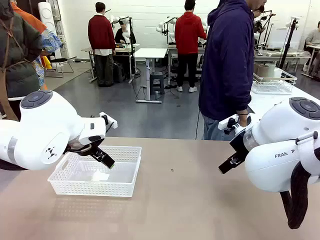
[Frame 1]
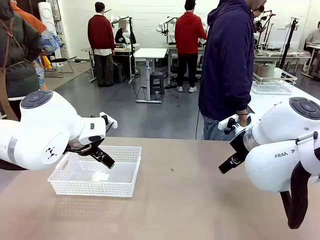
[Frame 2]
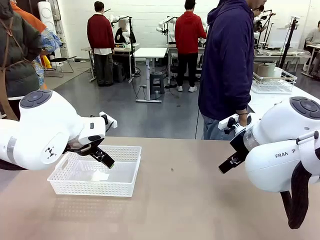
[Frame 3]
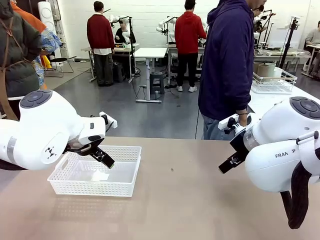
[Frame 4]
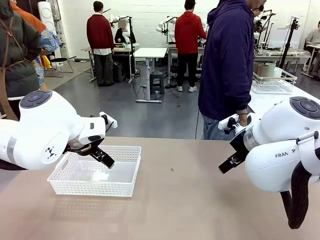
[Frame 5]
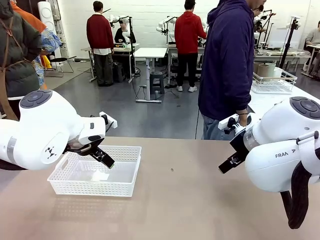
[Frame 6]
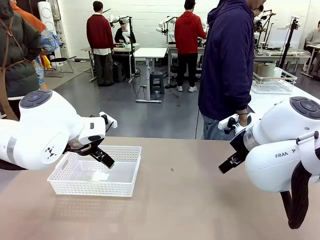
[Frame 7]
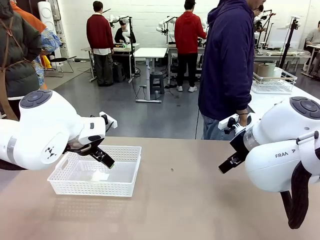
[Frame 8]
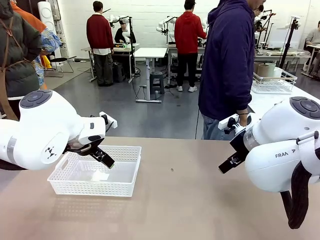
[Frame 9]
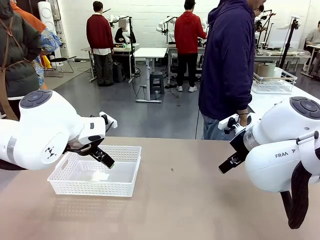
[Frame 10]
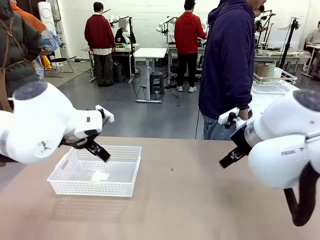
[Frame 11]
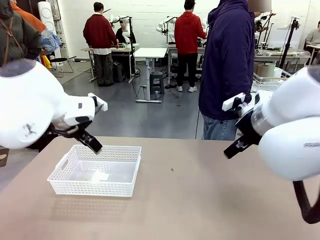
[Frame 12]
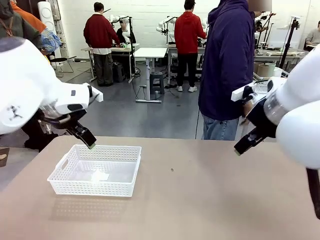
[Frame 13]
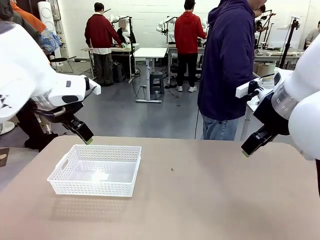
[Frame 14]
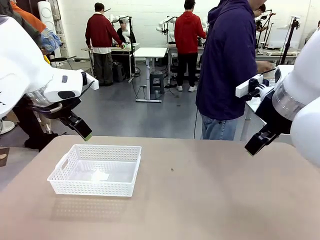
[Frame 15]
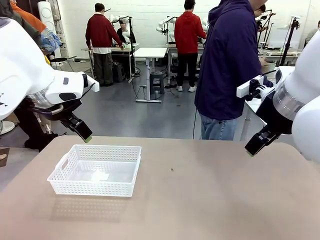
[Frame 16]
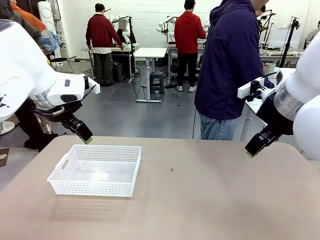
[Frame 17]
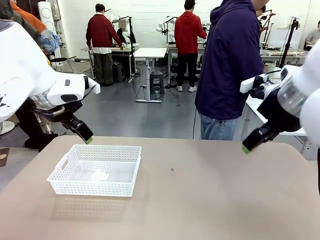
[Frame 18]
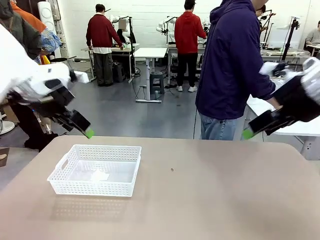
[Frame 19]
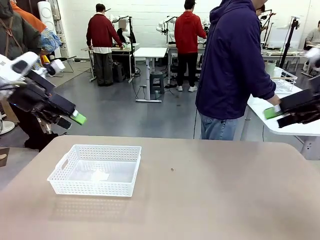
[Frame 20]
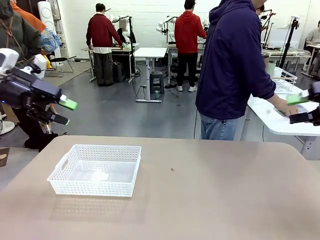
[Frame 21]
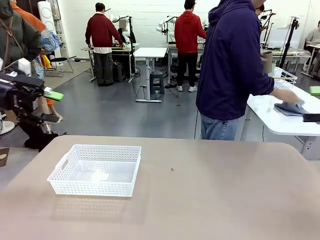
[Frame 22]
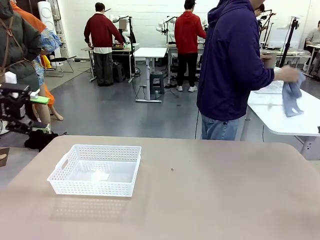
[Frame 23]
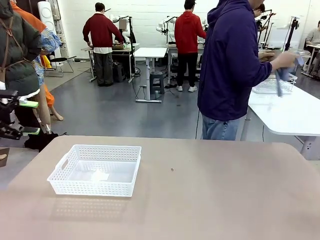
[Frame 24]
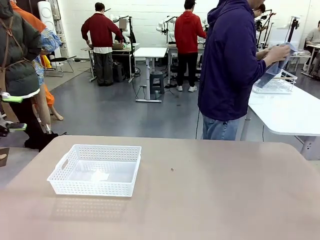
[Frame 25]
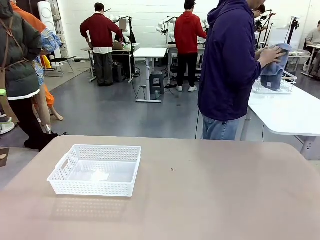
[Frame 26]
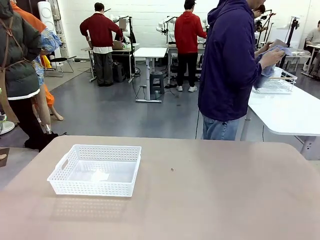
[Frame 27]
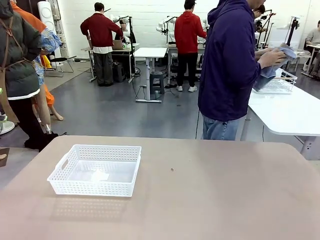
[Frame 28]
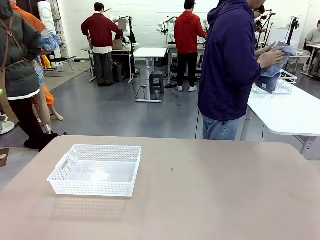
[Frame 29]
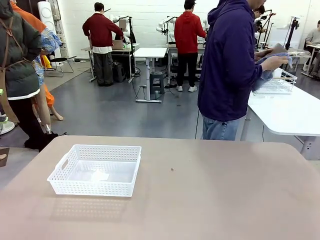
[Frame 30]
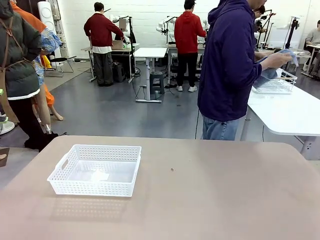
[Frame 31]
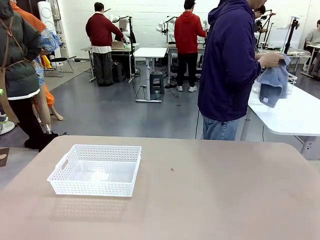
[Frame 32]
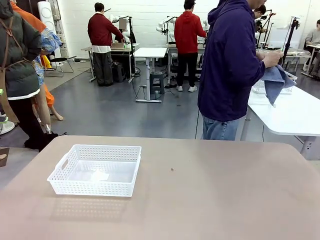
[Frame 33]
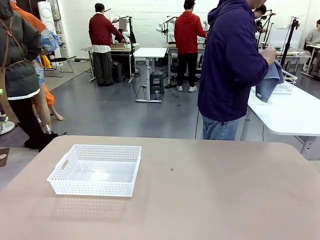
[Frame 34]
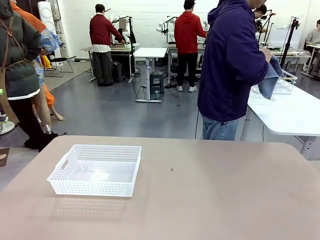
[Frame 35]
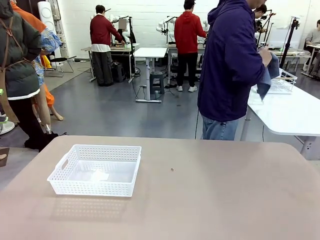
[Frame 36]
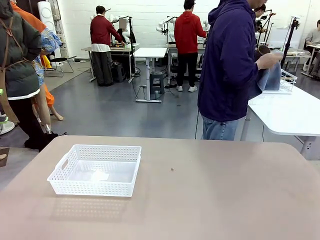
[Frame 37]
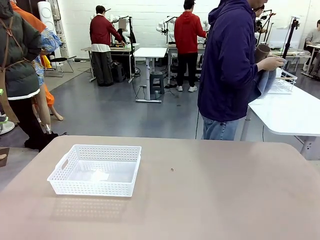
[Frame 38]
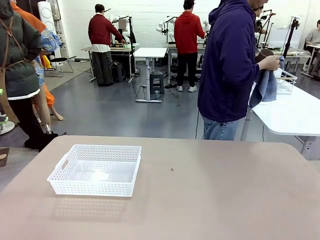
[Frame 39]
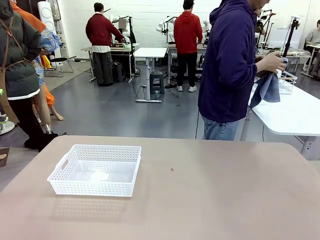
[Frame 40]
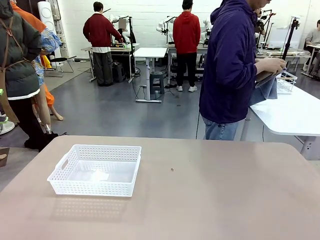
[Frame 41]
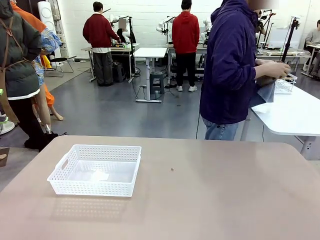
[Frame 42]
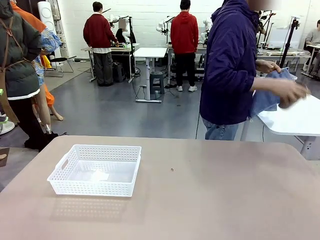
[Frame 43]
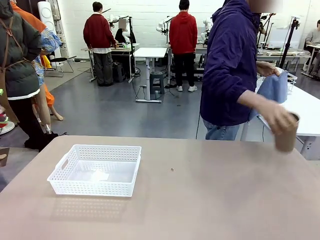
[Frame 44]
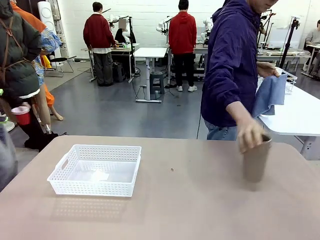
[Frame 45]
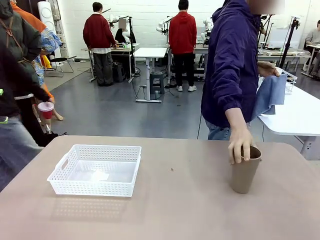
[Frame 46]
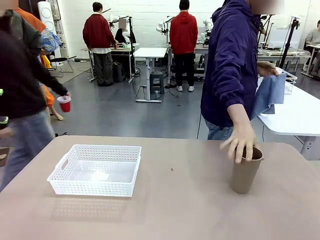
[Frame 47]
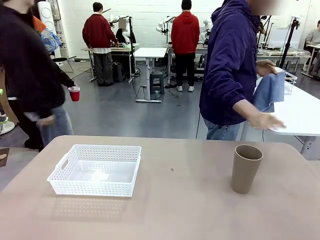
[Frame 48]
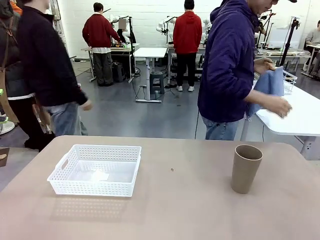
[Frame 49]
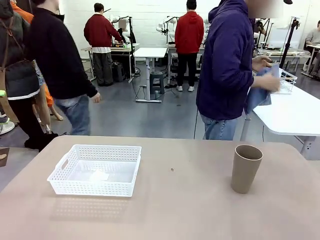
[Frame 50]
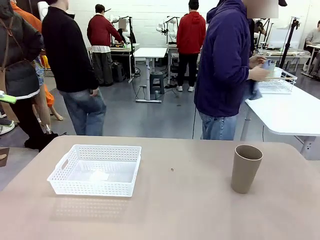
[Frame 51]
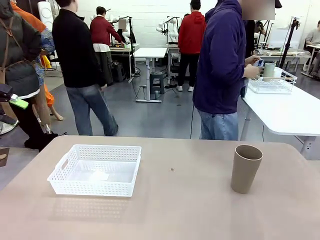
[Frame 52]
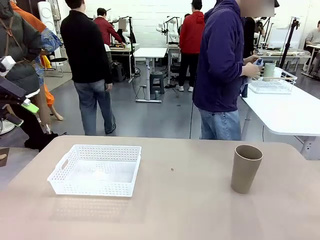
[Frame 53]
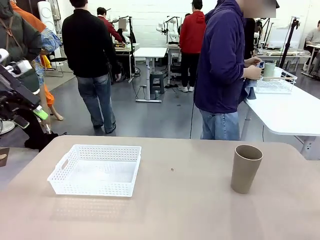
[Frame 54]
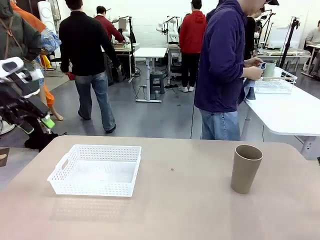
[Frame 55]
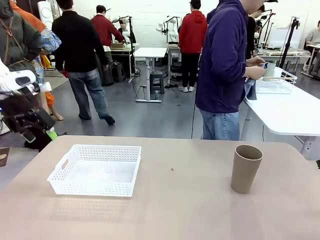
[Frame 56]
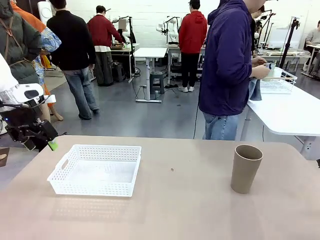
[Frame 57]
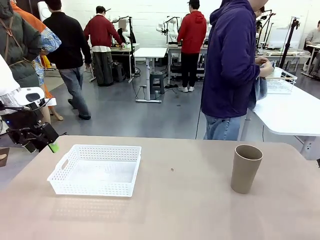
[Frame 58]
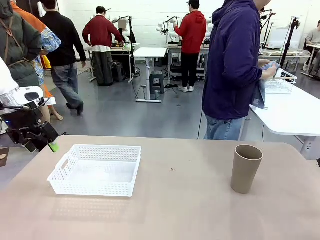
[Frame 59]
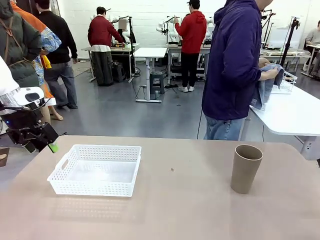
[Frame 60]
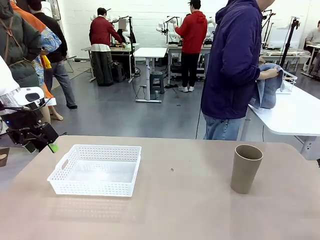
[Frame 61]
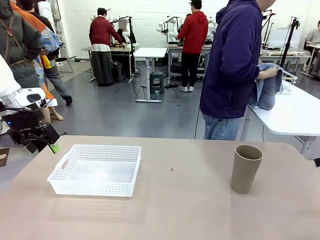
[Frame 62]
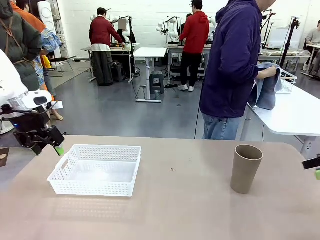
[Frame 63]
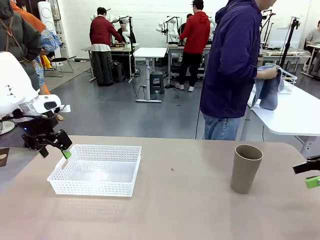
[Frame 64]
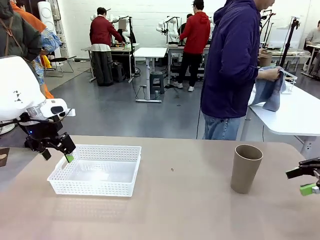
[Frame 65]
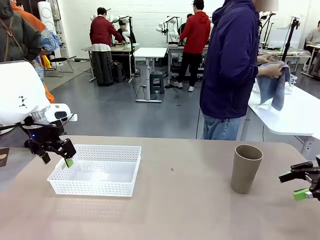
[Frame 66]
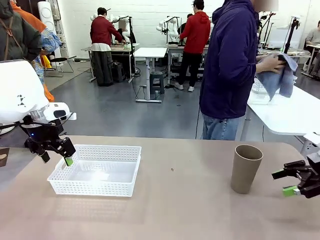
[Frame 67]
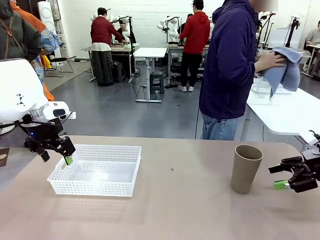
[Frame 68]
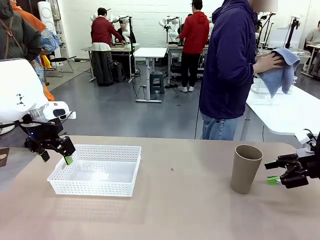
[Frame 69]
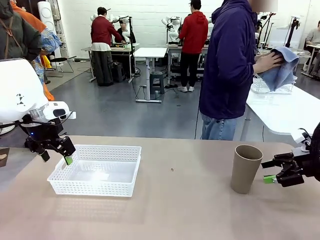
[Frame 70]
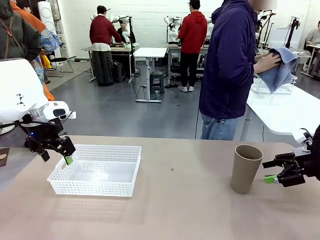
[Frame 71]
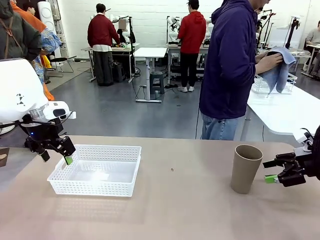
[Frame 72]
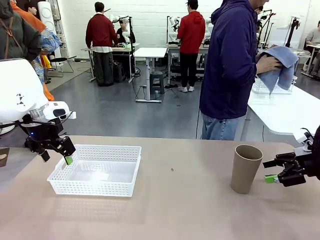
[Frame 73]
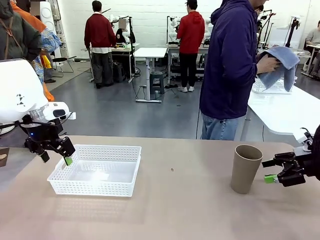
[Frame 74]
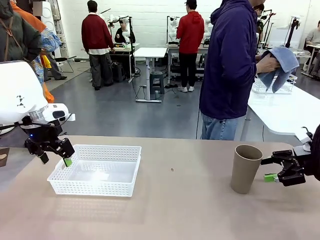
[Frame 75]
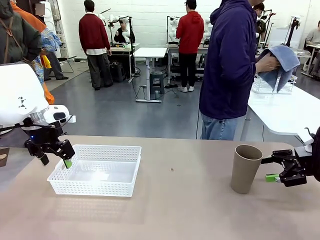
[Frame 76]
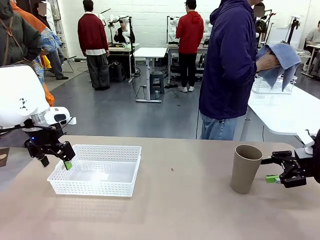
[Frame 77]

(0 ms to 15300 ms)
Task: Clean and organize the cups into the basket.
Robot: Pick up the Organizing basket and move it to the center of the table, then pick up the Reusable plastic cup from the right side of the table and place it inside the Organizing basket.
Person: Picks up a cup and a towel, cleans the cup with the towel, and places it on the left side of the robot table.
